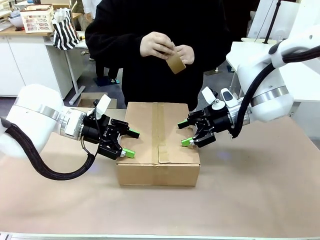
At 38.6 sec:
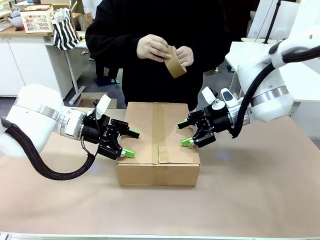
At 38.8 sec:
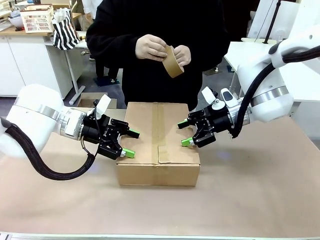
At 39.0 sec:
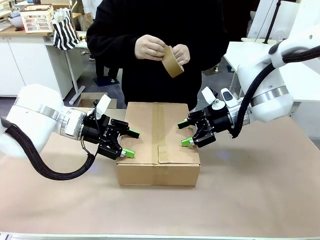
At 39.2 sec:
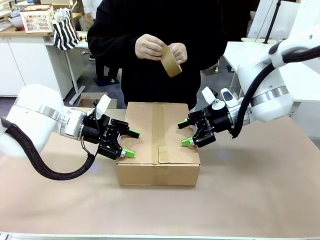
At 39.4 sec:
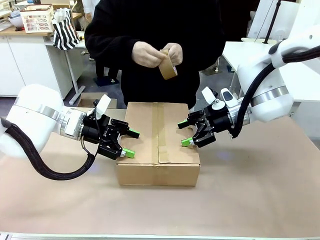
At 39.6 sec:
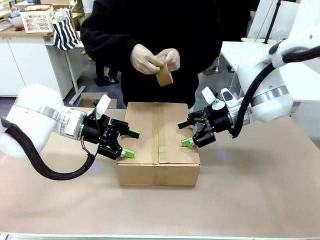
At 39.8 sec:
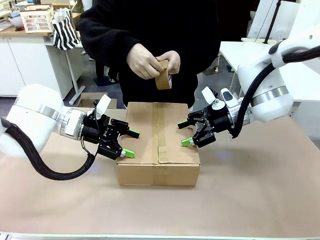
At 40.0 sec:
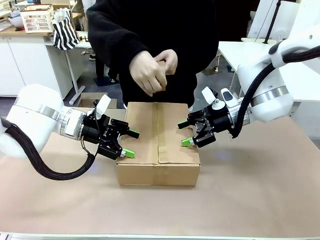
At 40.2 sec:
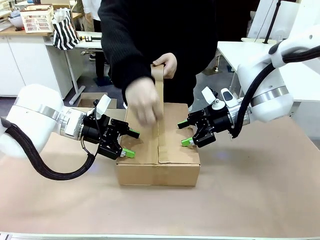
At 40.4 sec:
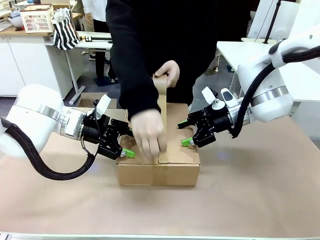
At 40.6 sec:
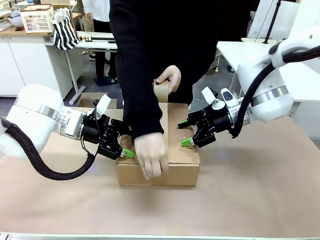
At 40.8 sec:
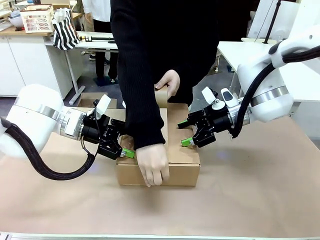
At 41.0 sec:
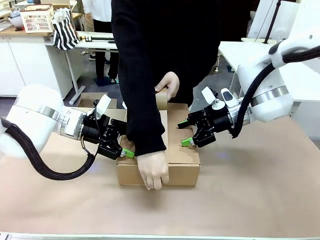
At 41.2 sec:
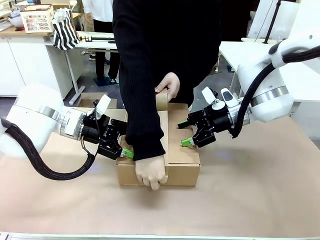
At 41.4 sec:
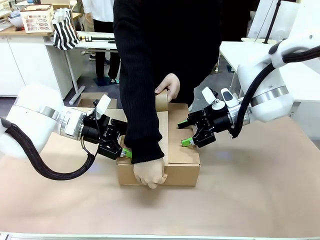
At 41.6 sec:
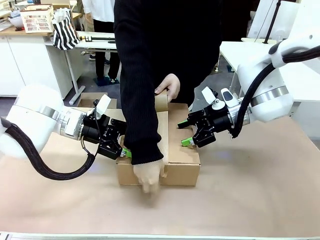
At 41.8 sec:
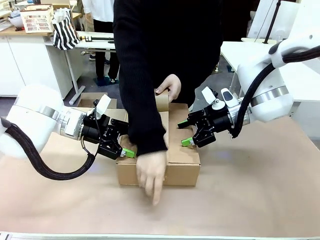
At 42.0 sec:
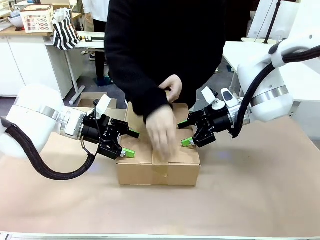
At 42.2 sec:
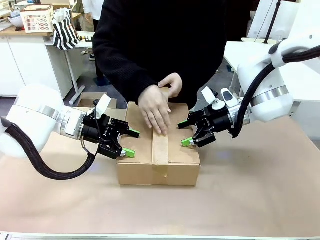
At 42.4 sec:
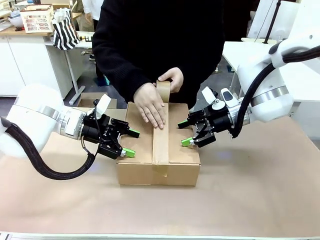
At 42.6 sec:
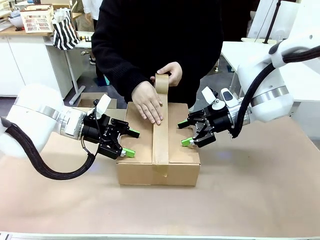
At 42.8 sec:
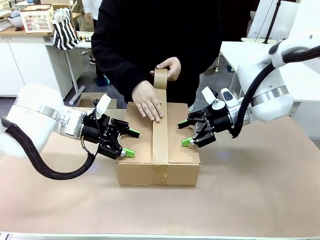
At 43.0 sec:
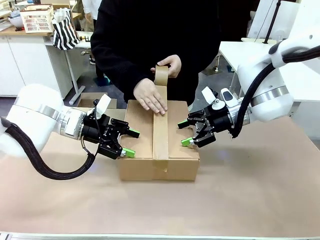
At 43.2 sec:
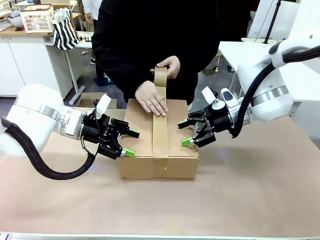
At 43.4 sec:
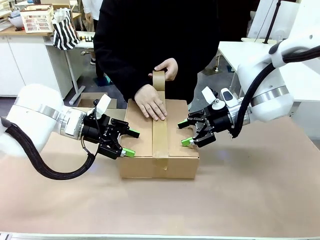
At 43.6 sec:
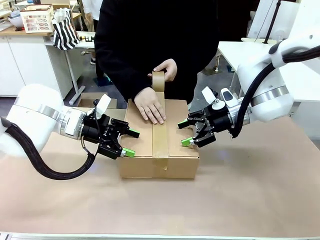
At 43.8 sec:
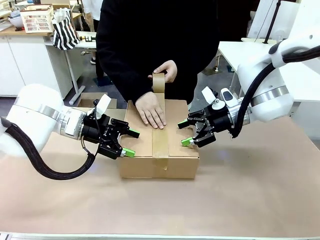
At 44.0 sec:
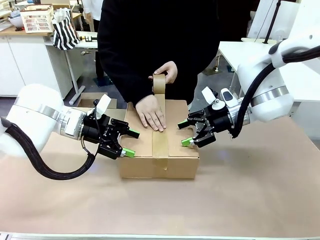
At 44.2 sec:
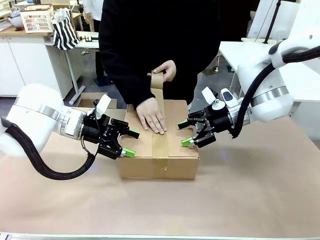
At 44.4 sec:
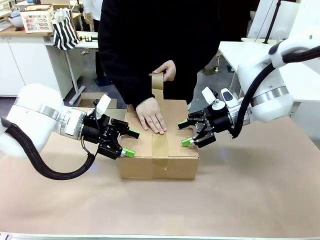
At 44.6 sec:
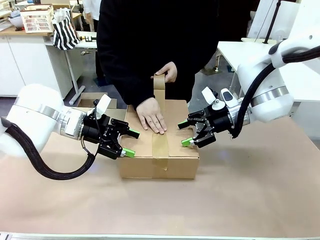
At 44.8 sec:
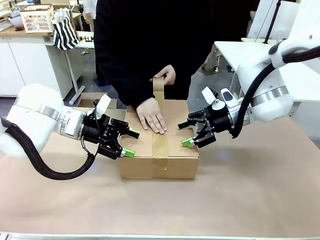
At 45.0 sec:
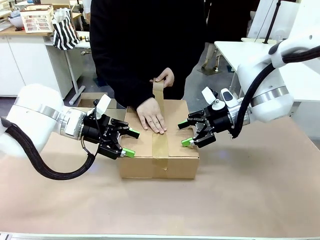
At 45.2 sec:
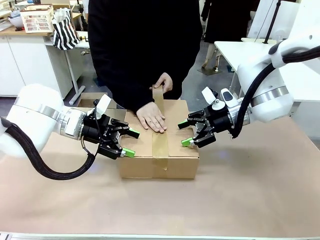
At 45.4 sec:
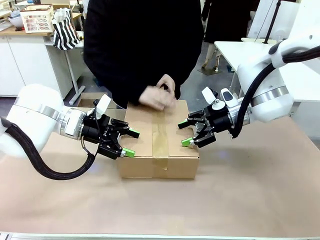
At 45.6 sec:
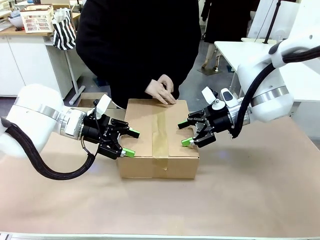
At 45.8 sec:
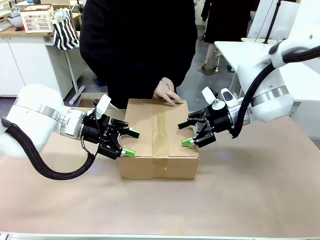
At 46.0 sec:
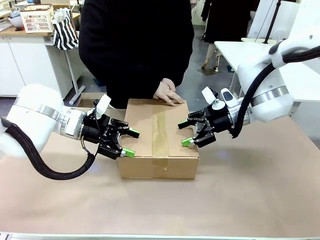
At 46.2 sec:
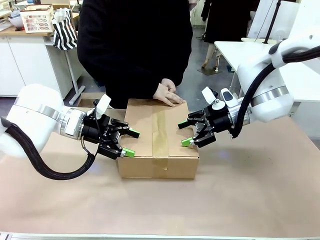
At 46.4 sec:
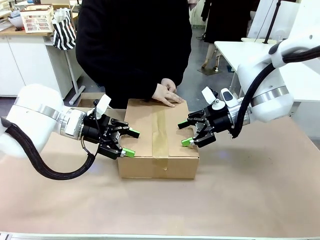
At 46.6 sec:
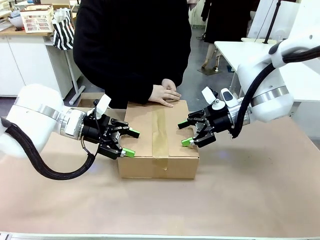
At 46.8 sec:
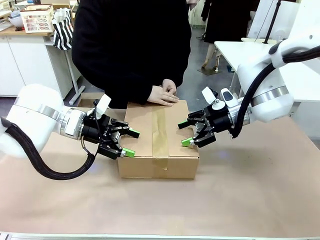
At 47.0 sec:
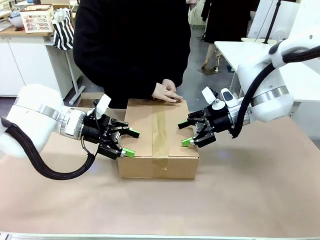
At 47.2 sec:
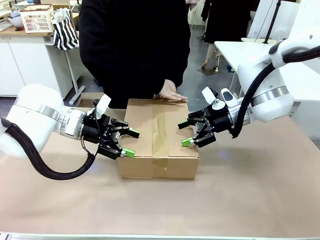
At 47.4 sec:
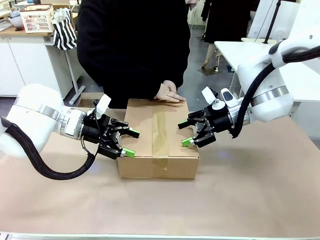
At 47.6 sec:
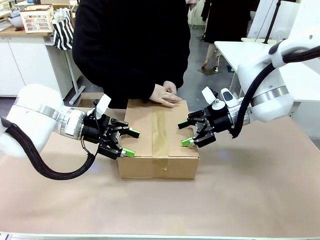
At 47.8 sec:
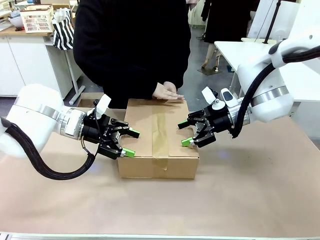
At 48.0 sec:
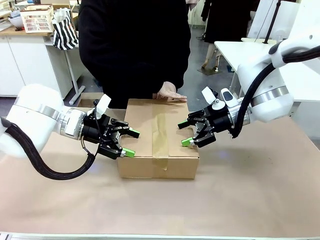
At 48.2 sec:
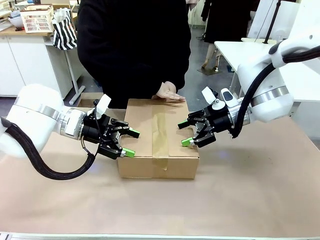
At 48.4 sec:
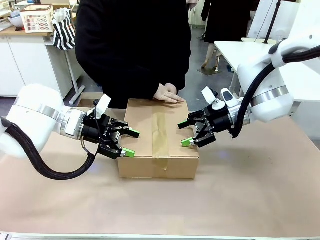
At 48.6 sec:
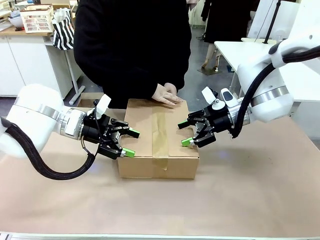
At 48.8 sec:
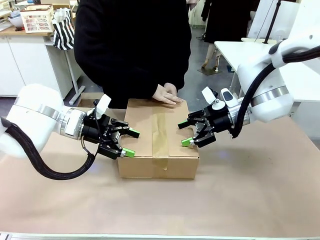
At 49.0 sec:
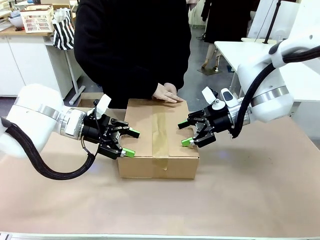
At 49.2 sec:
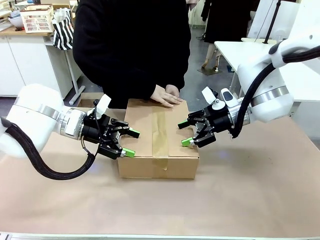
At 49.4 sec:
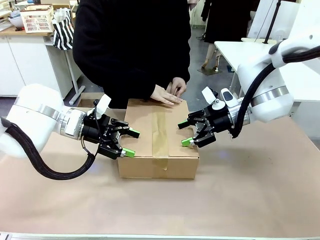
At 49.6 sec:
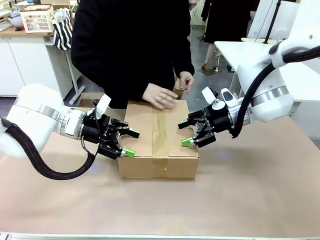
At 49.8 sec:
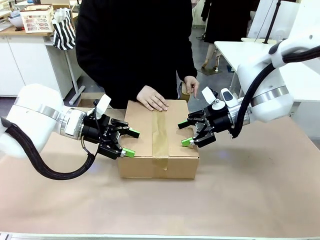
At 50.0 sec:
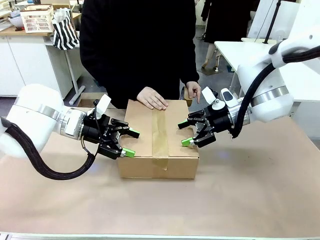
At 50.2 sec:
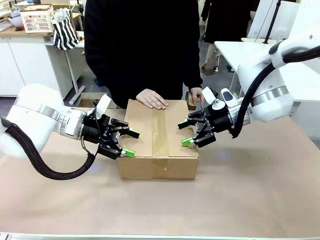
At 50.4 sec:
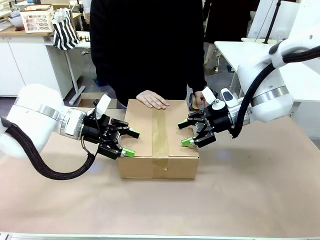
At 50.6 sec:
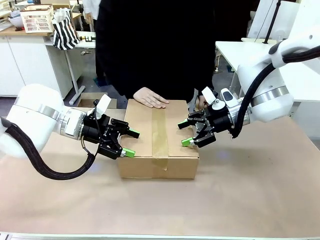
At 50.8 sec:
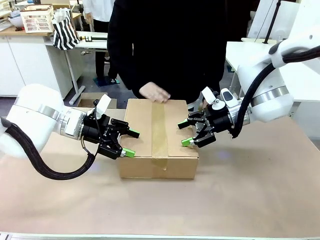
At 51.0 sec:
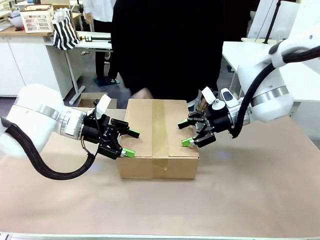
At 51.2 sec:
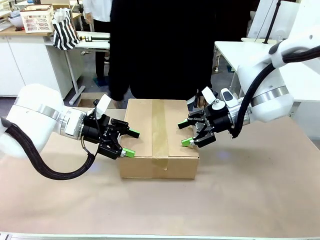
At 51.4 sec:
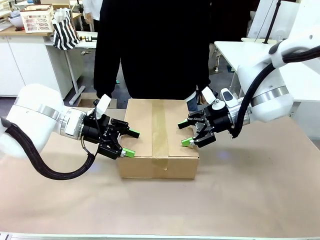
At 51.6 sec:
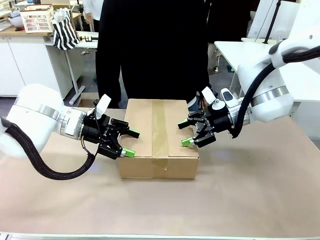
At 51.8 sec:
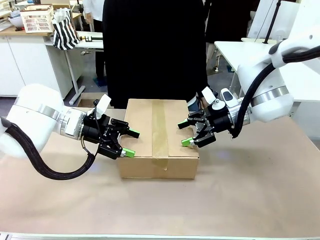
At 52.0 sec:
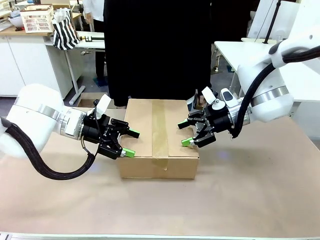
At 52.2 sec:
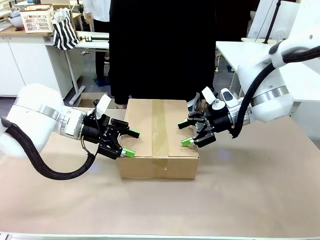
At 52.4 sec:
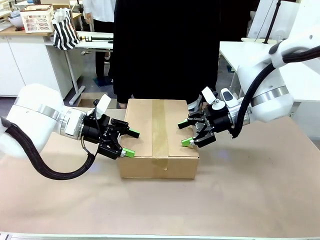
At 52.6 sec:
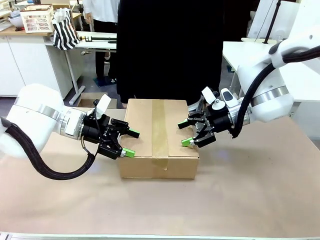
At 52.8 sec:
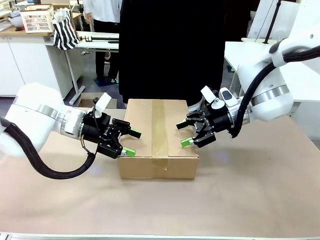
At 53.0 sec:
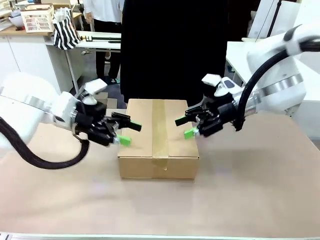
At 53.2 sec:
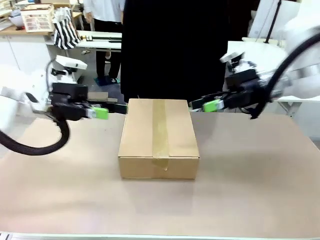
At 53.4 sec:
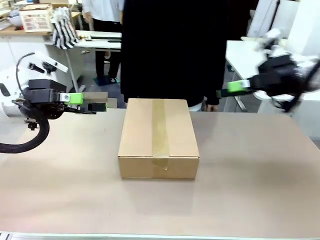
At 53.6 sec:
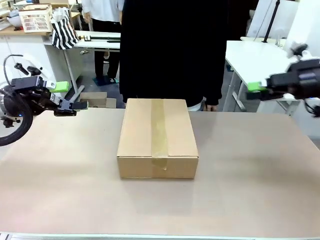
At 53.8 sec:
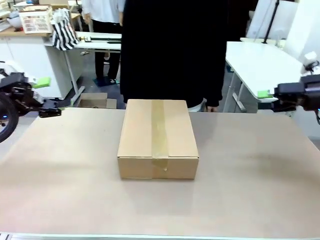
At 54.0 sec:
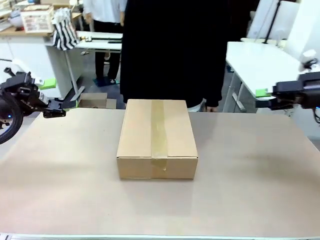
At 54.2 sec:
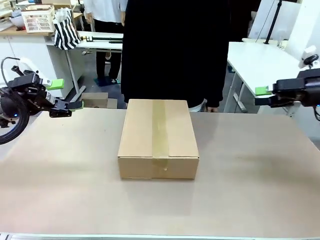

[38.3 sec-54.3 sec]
Task: Pack the gift set into the box.
Robot: Press and hold the closed box until the human finishes sealing it.
Person: The human picks up the paper tape from the human table and packs the box.
